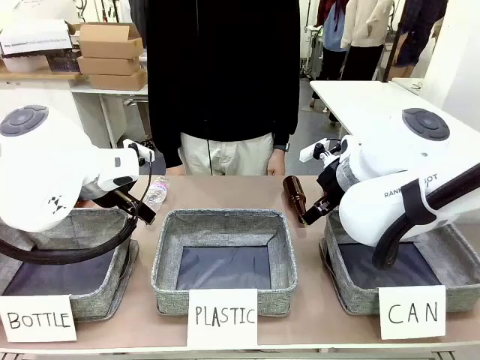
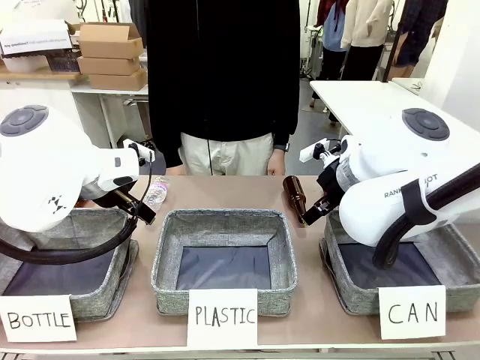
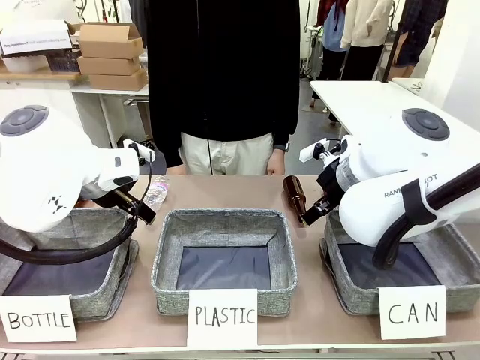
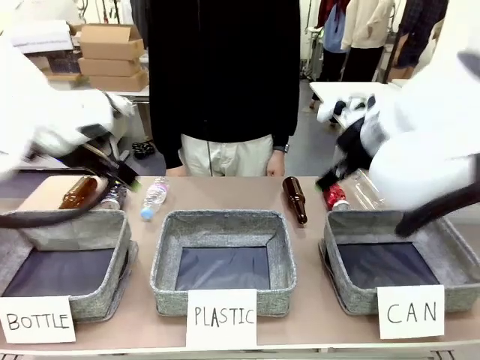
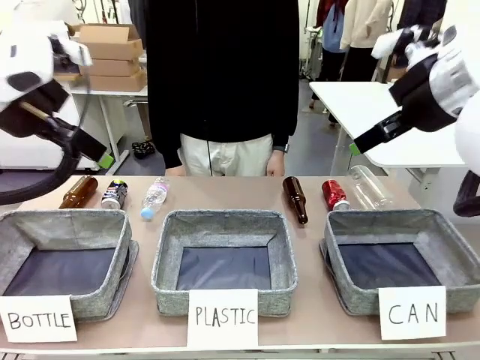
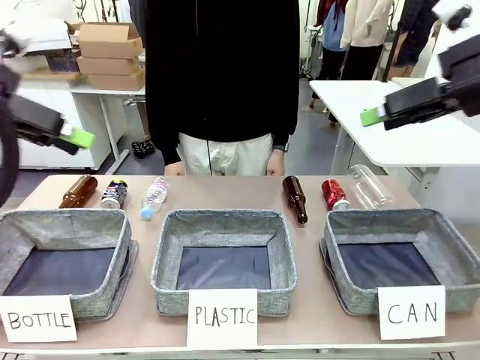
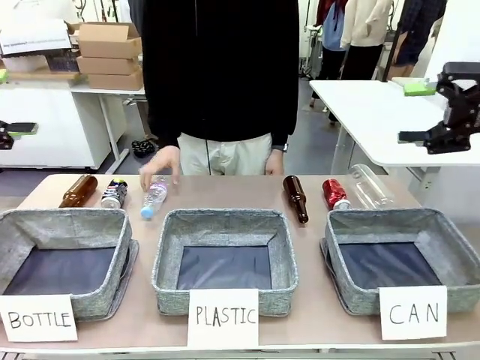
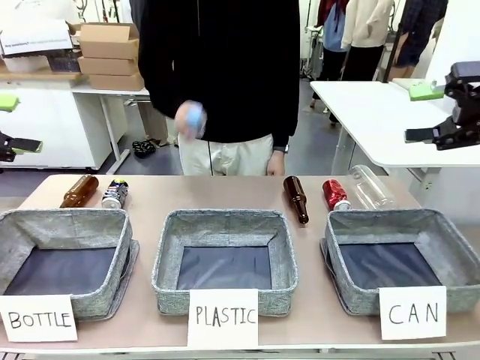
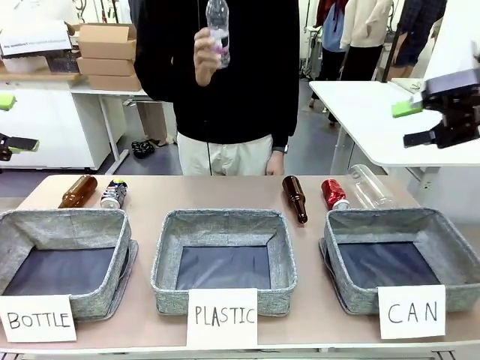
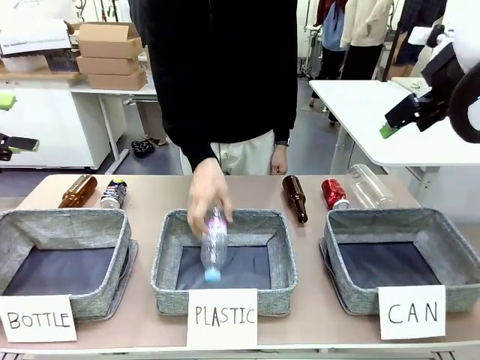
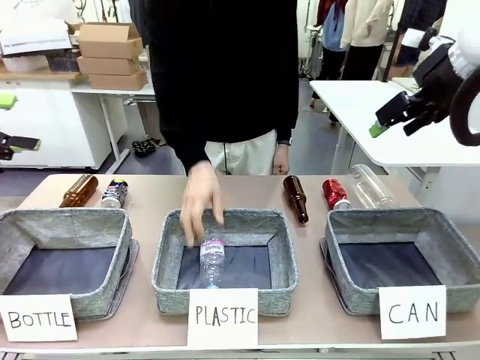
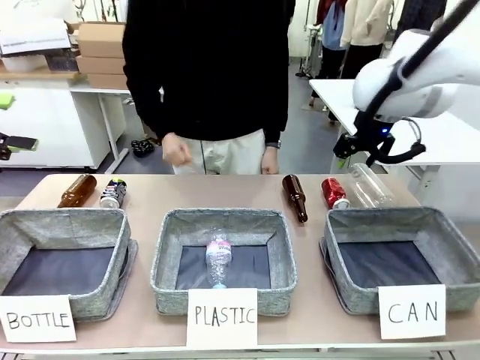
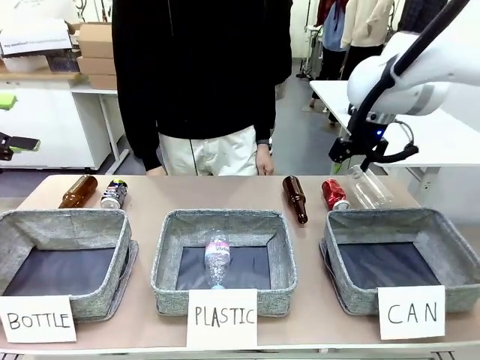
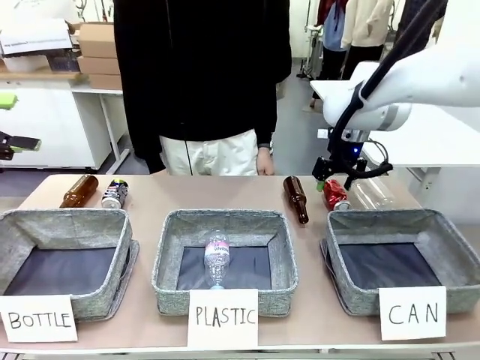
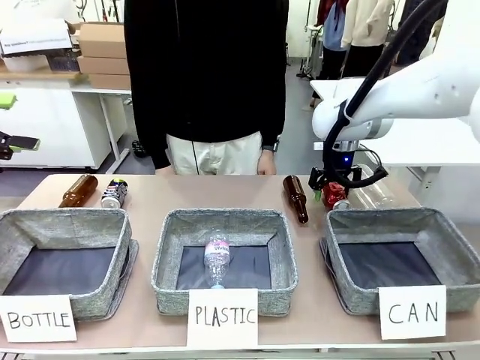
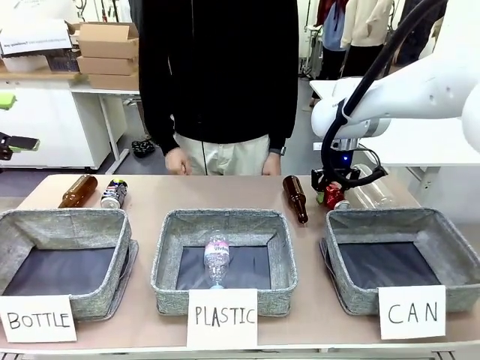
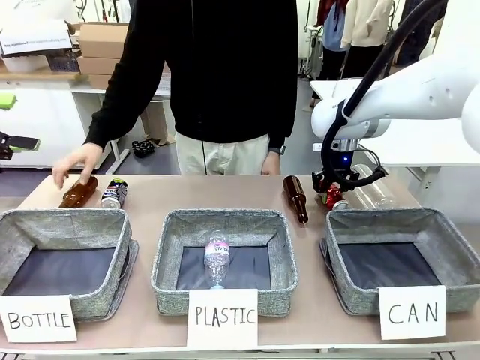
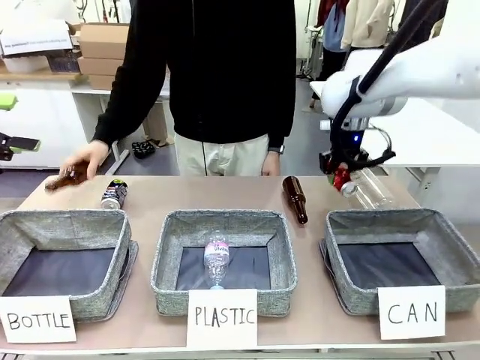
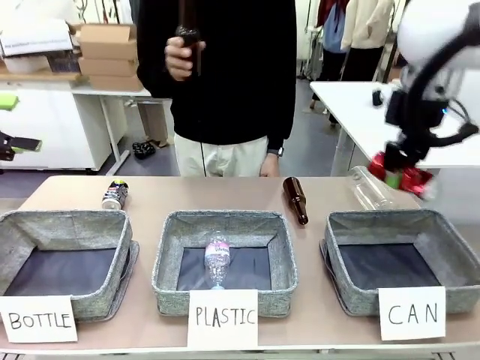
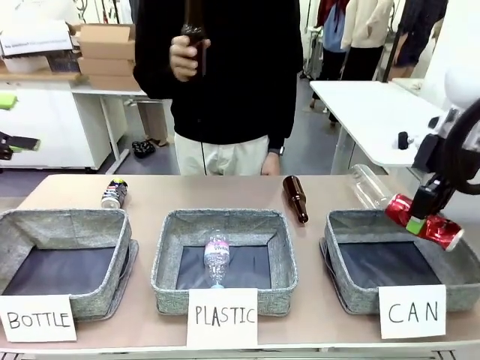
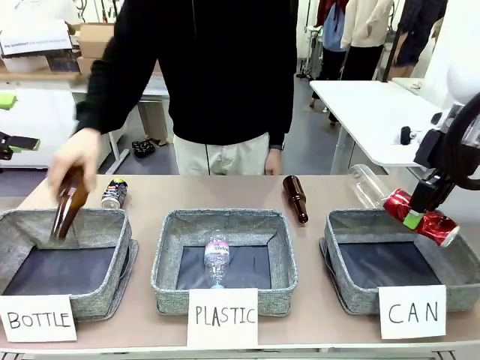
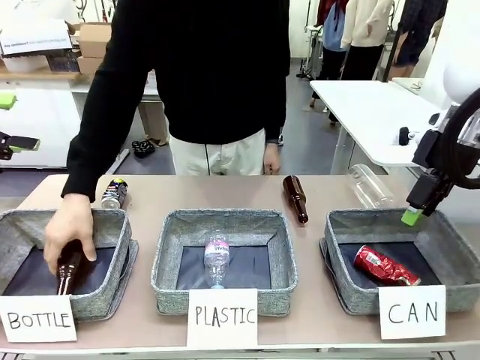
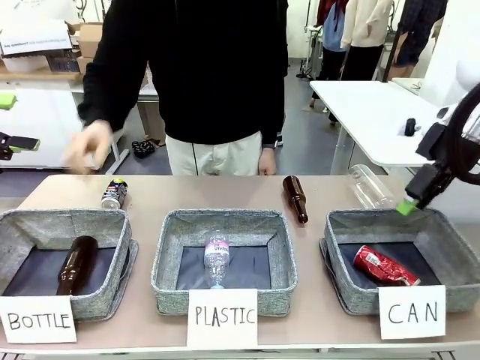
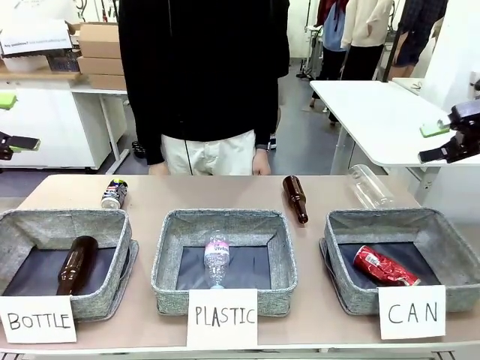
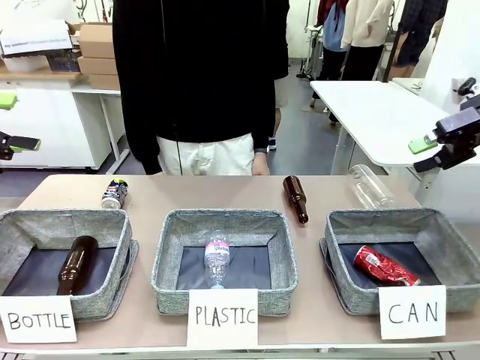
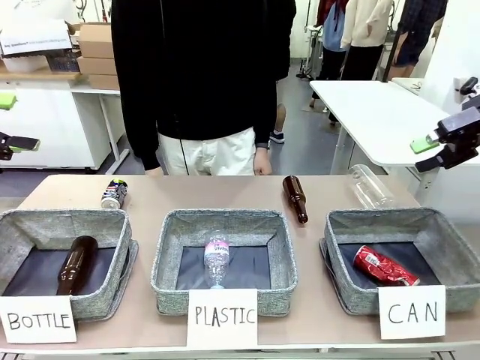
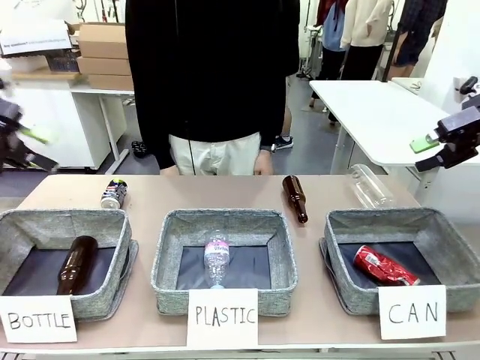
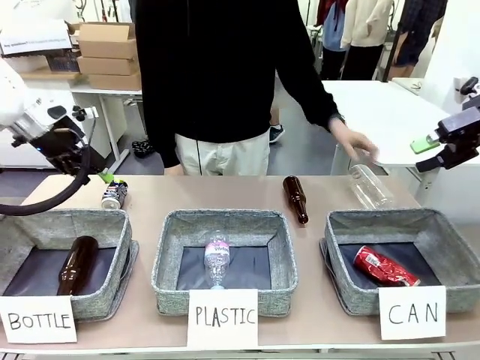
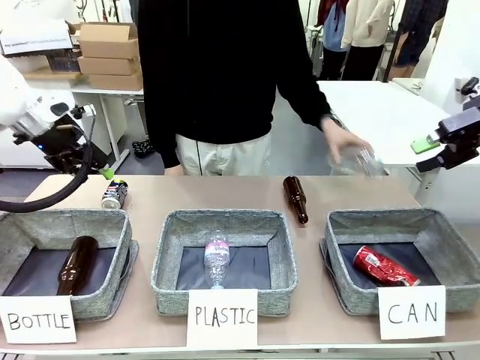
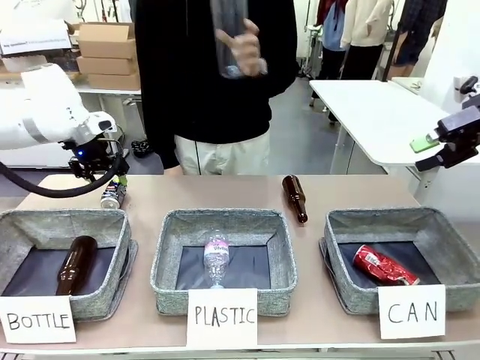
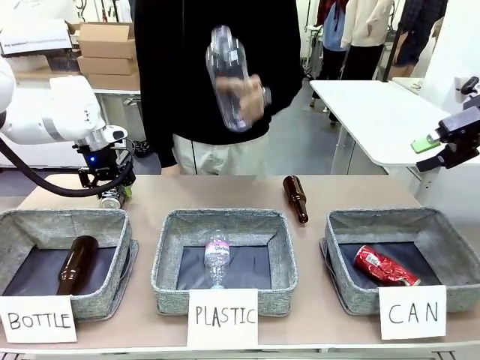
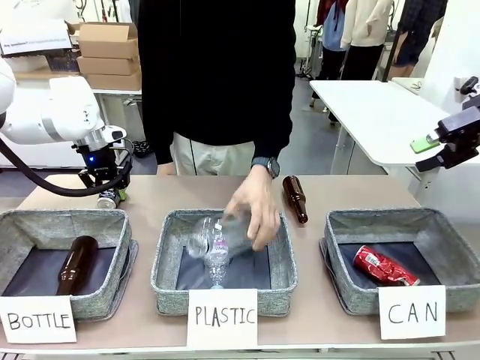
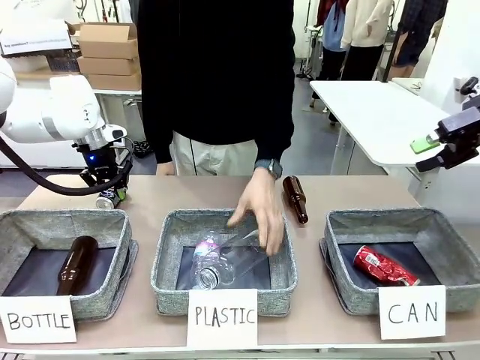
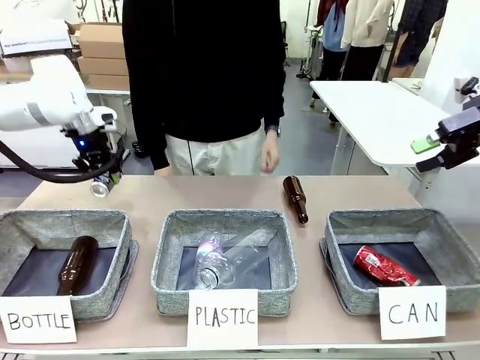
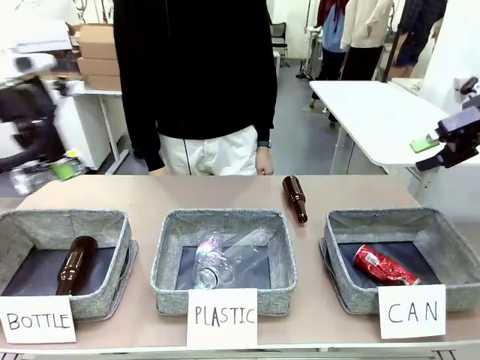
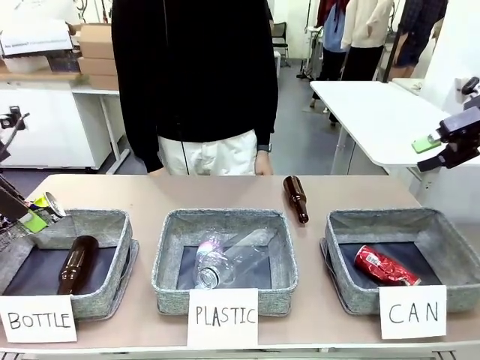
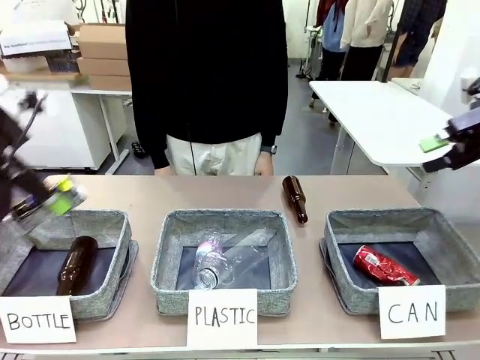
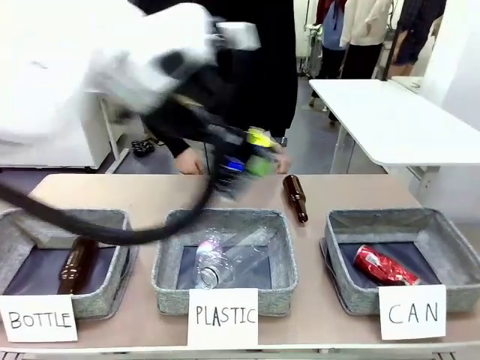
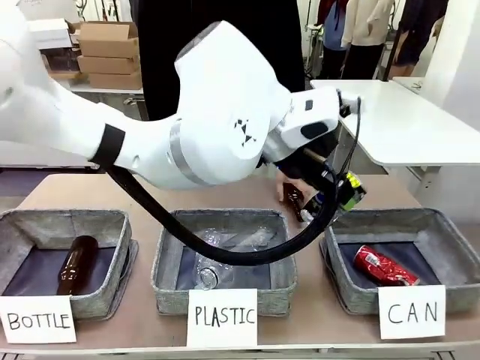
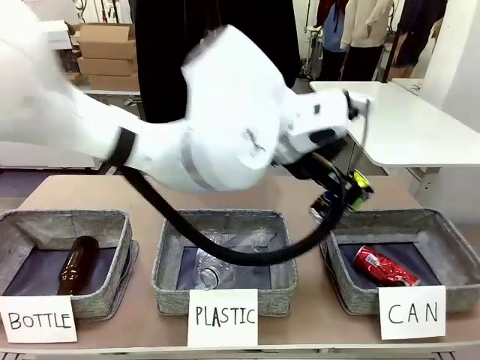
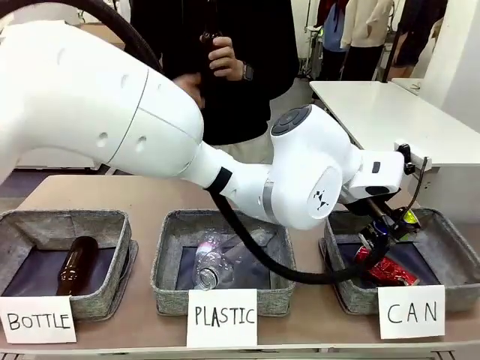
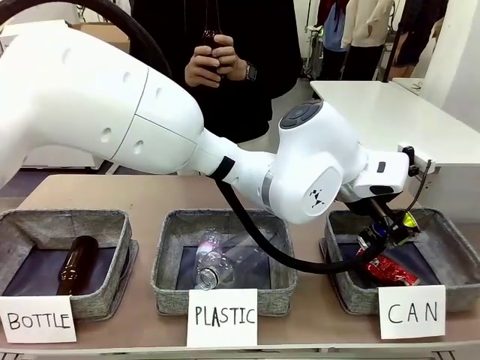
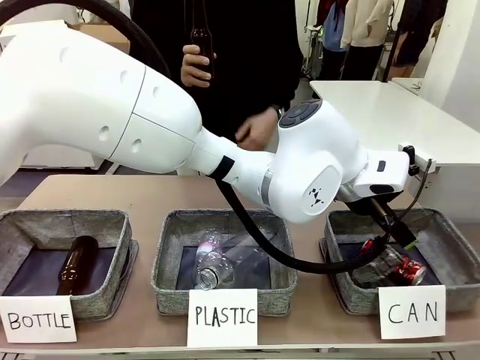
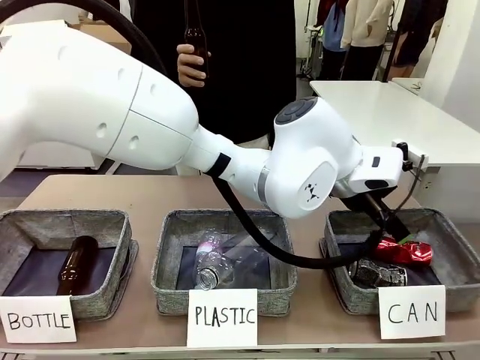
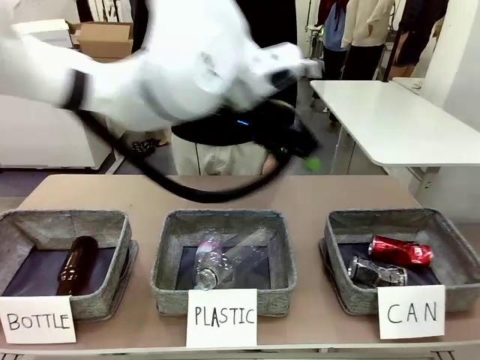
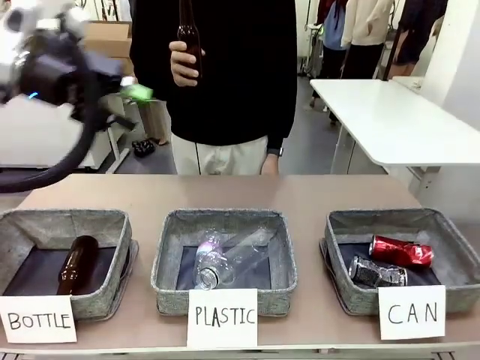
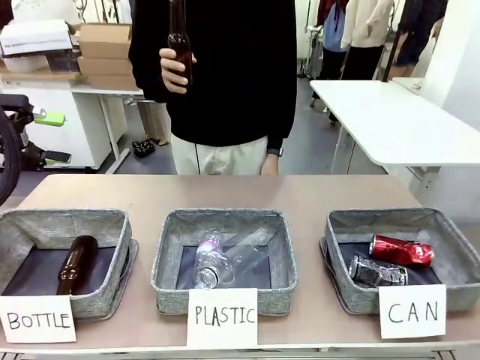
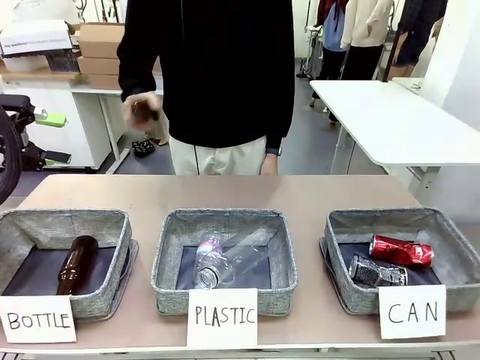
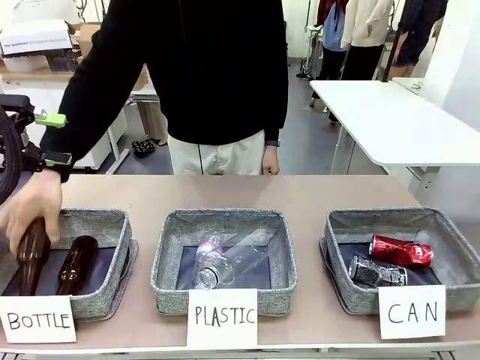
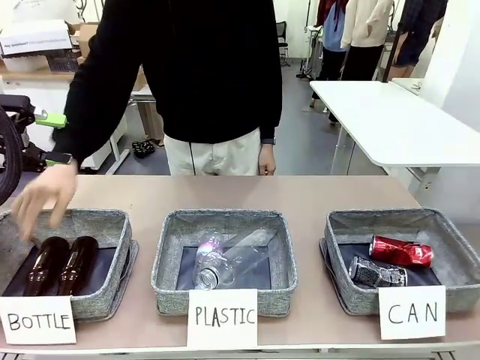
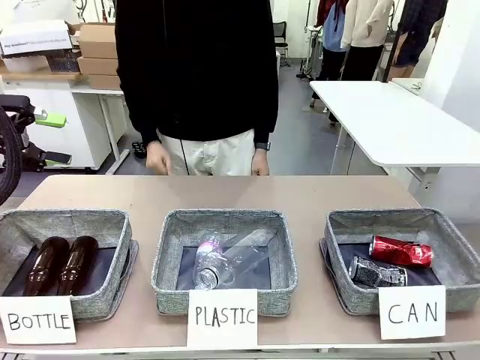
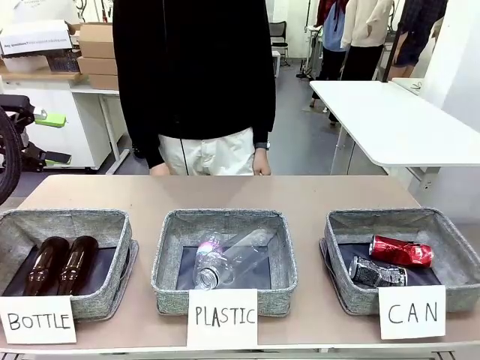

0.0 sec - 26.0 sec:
Task: Sort the can waste into the basket.
Robot: Pick up the can waste from the table and place it in the right Fabric basket.
Person: The human picks up one piece of trash that is not a can and places the trash into the appropriate organizing basket.
